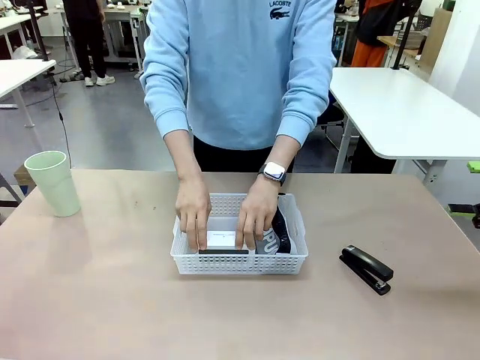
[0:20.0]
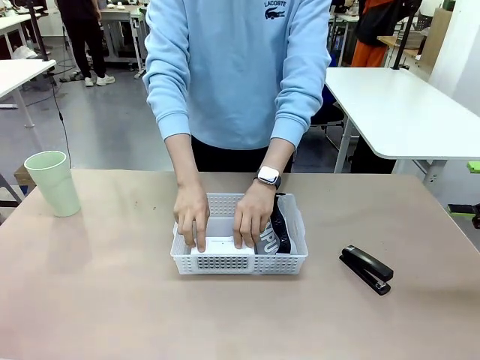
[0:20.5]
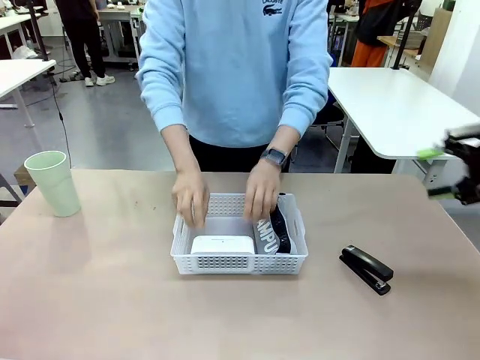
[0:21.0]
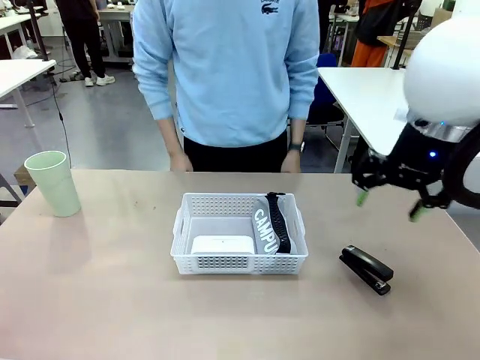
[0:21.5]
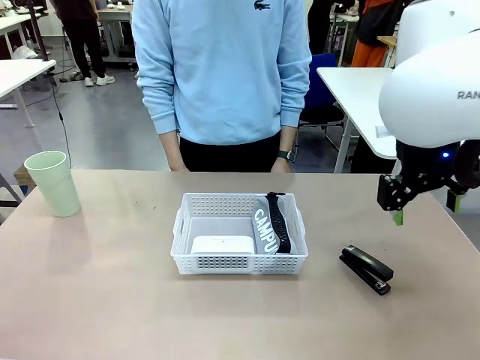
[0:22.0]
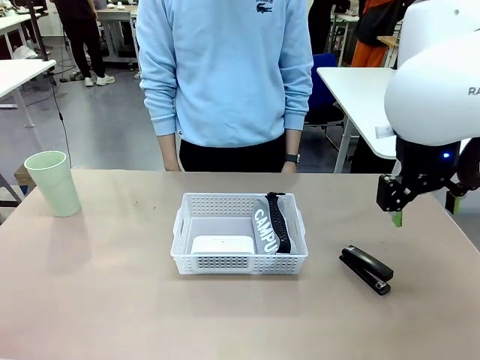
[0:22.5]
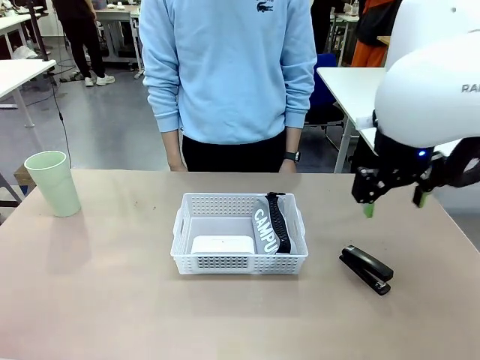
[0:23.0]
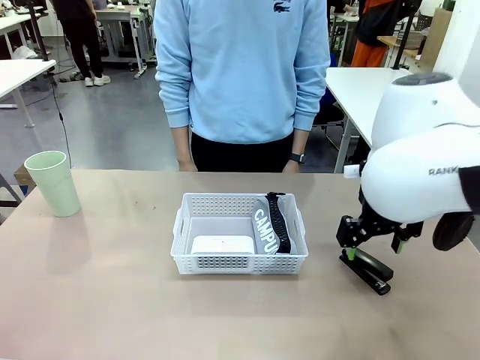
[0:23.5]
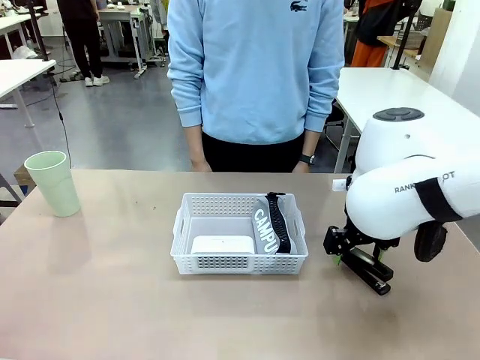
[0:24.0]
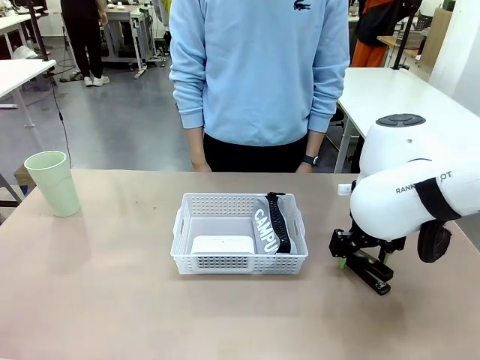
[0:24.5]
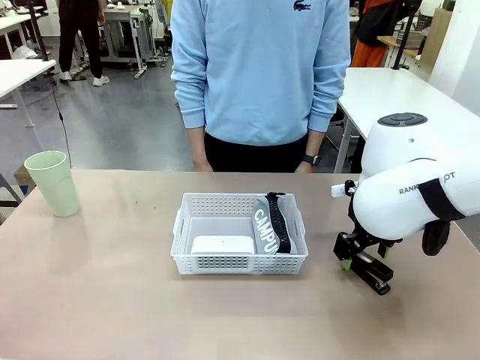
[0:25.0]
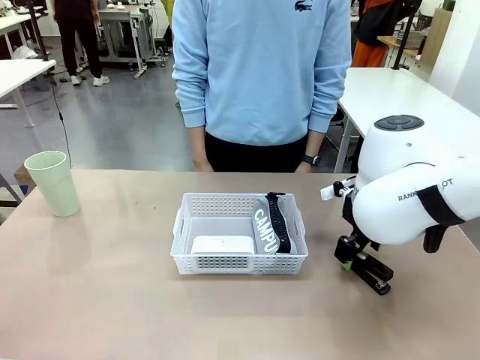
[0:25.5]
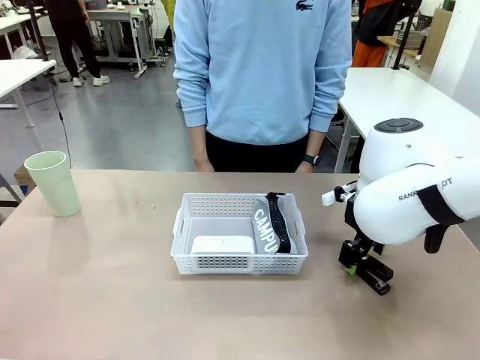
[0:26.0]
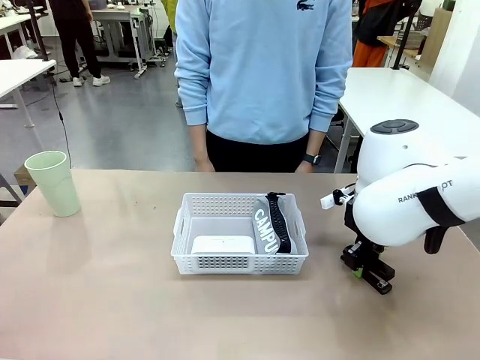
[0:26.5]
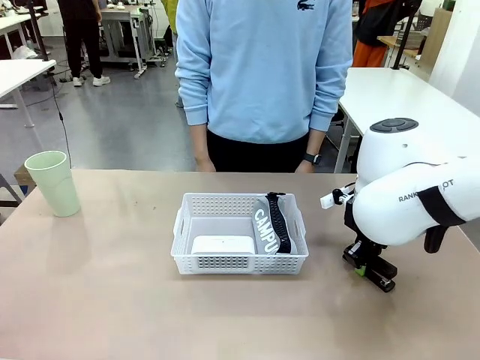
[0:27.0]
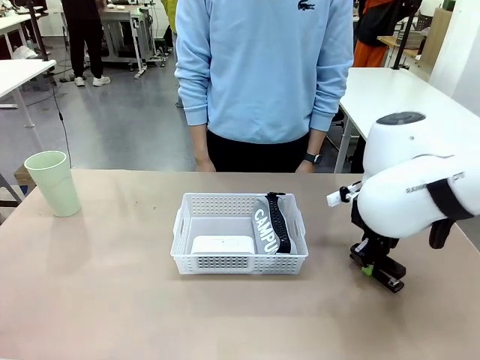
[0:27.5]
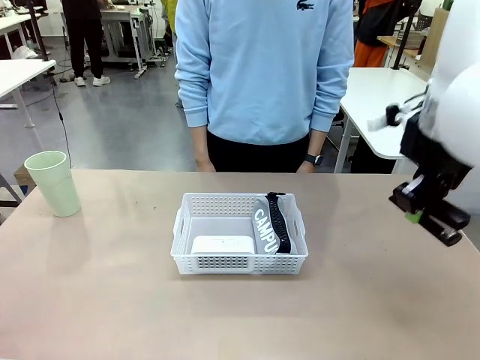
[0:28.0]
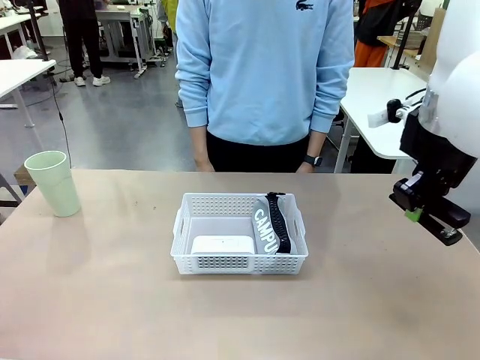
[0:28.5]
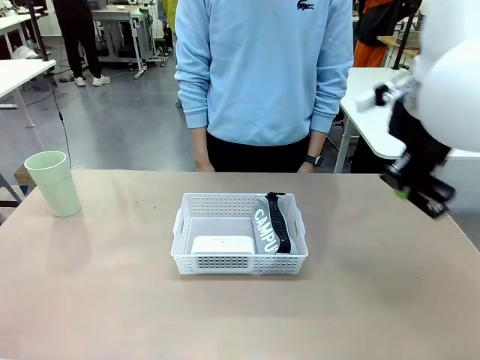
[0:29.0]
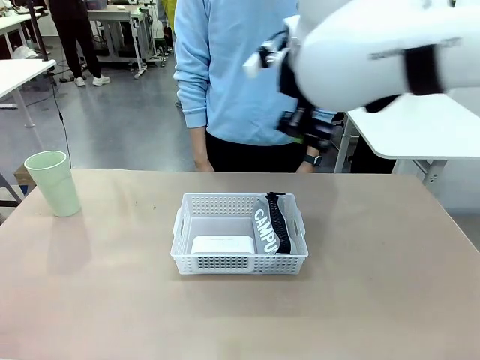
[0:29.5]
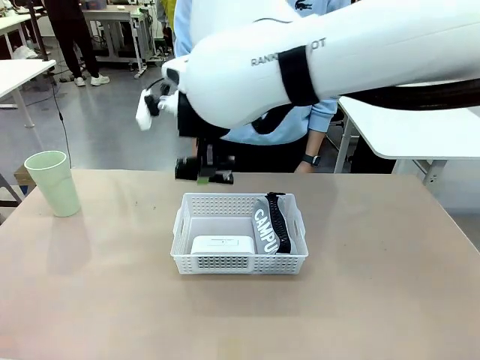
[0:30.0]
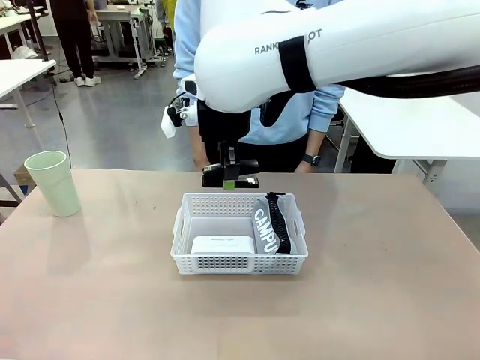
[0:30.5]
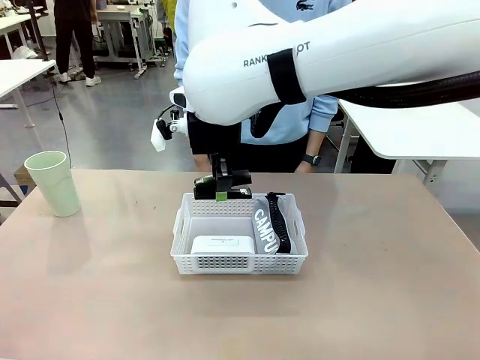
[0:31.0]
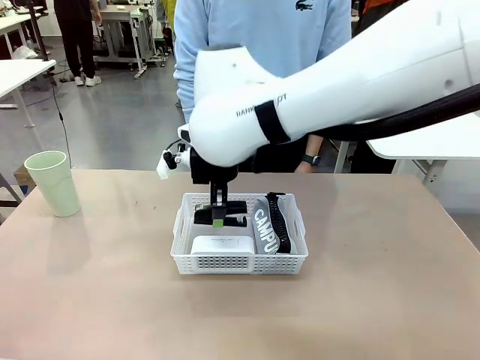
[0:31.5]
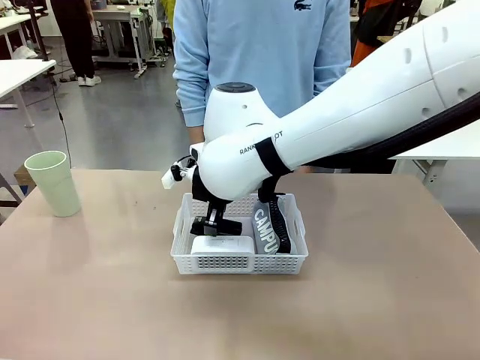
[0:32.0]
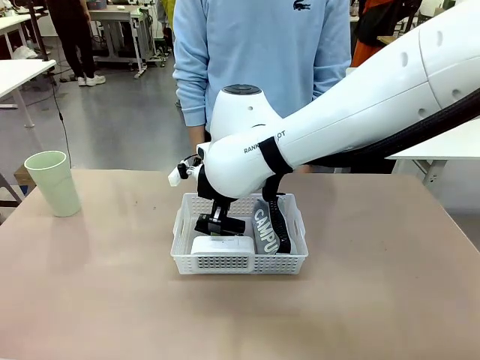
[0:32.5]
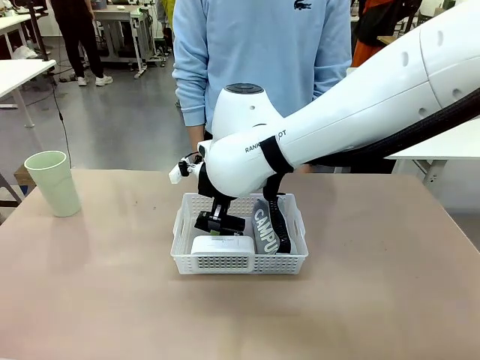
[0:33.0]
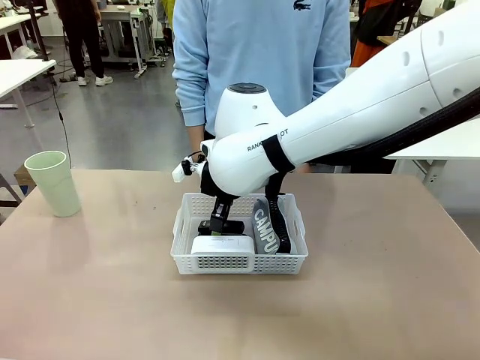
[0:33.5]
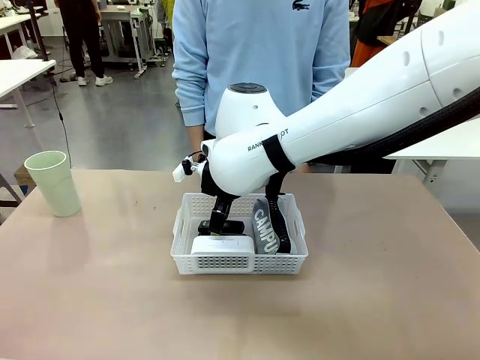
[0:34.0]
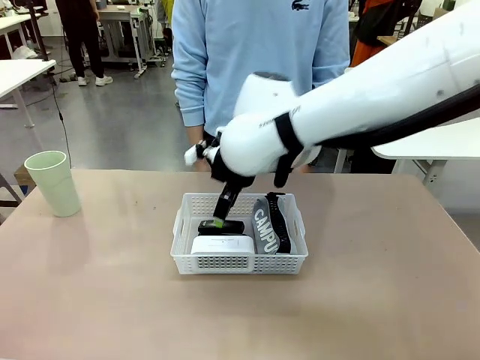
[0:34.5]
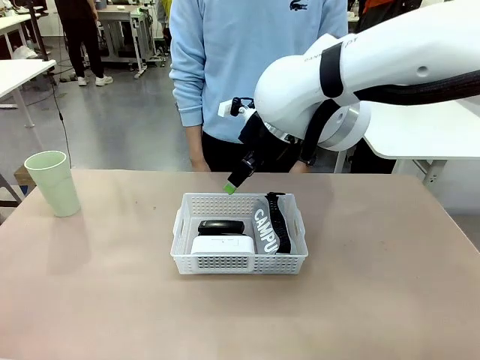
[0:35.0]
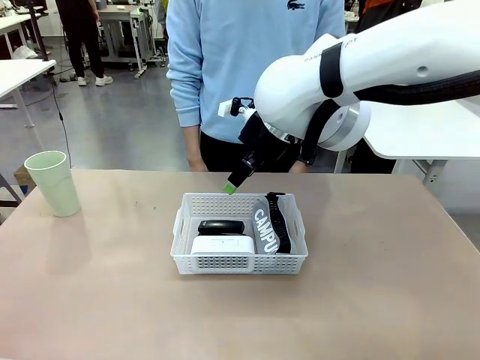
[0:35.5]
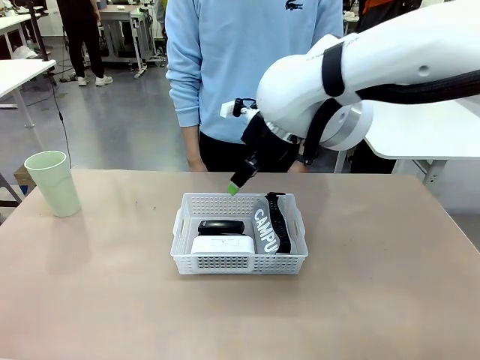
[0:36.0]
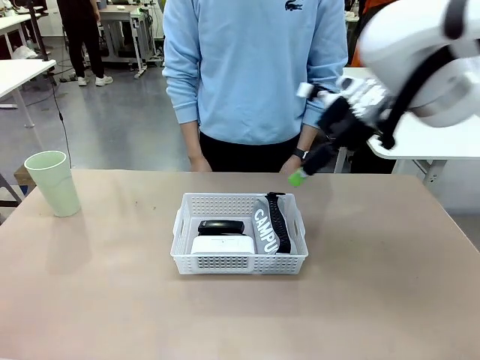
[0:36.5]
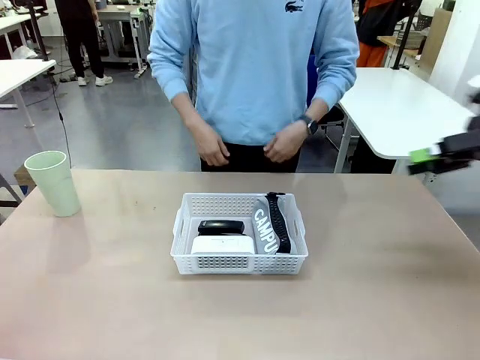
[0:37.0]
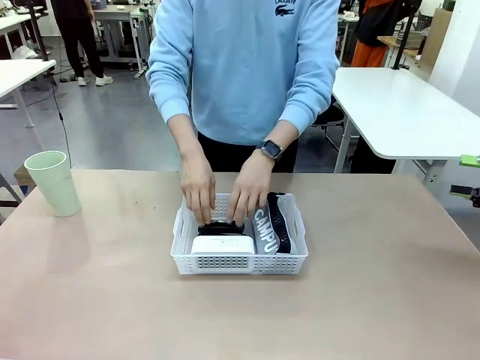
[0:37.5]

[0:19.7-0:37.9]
Task: Efficiently arrange items inside the basket to fit them all.
Robot: Pick up the Stapler and place it inside the Organizing basket.
